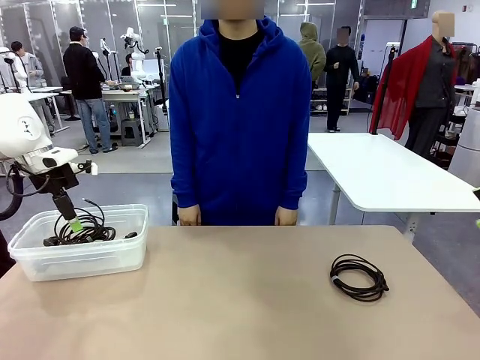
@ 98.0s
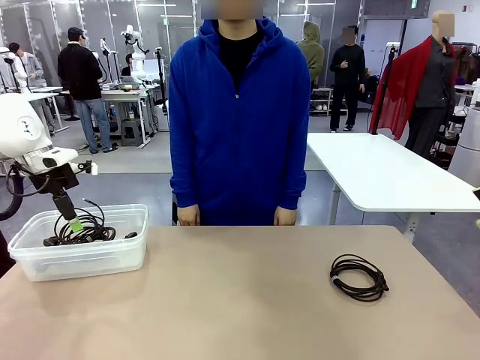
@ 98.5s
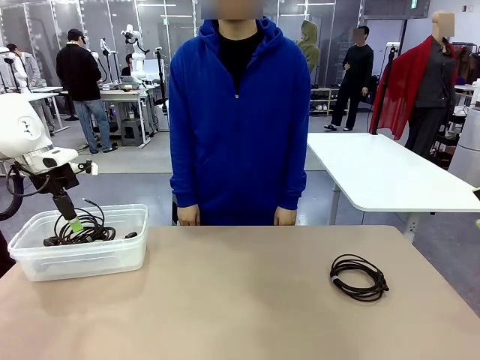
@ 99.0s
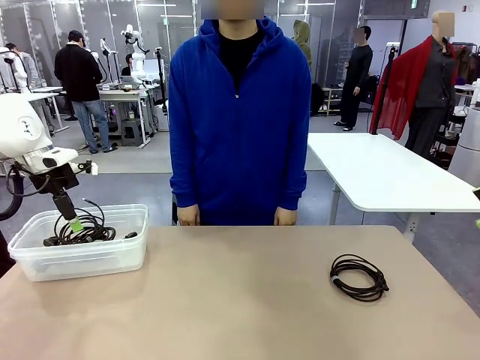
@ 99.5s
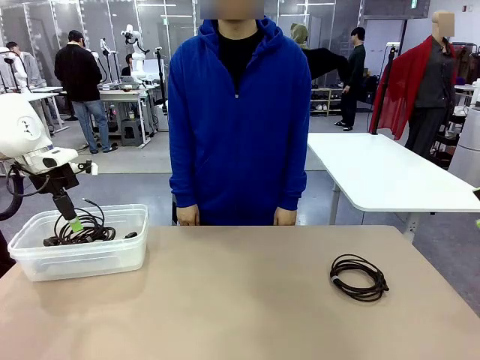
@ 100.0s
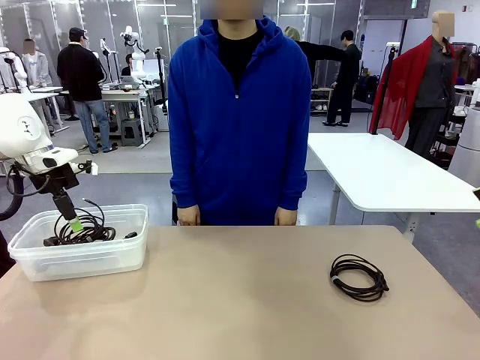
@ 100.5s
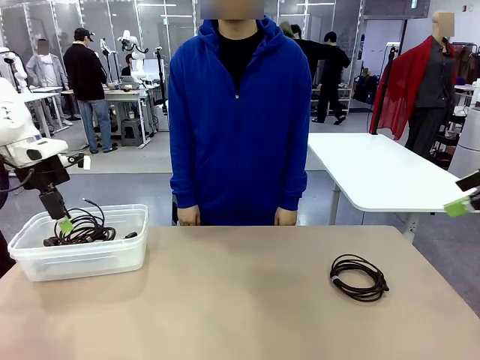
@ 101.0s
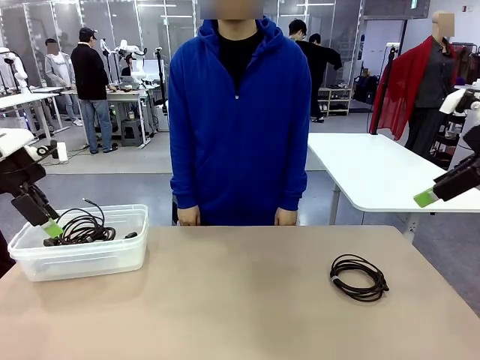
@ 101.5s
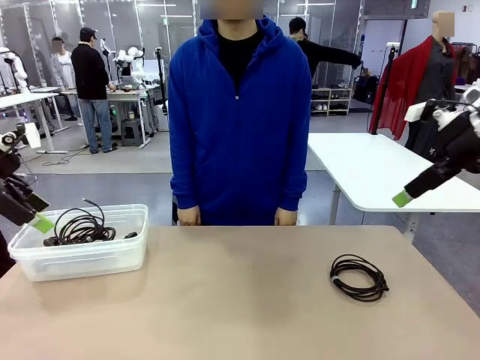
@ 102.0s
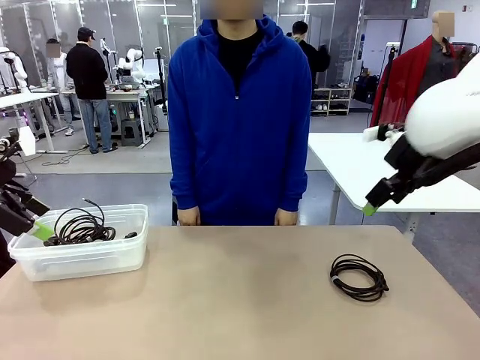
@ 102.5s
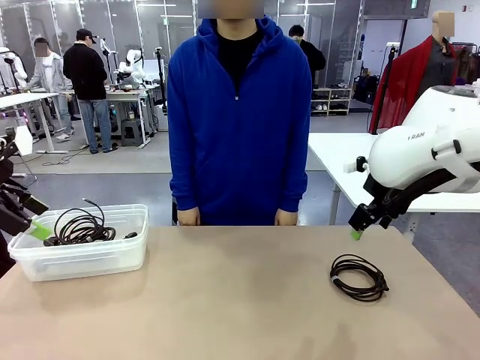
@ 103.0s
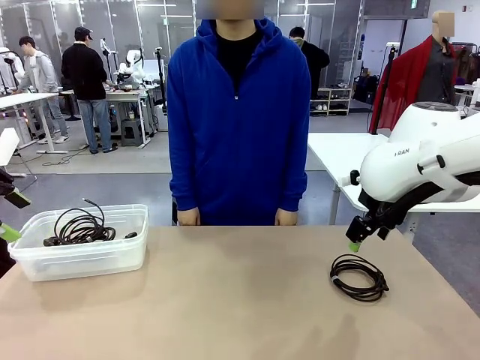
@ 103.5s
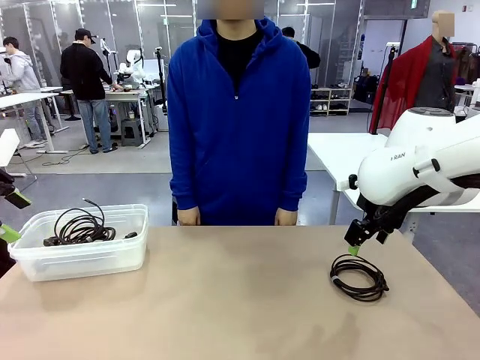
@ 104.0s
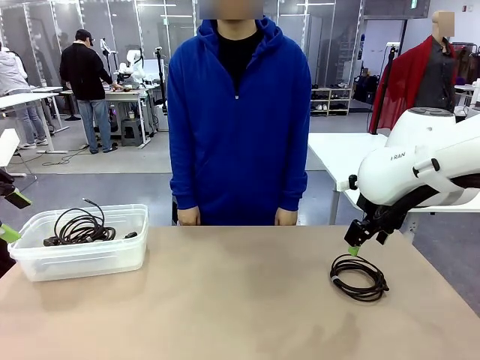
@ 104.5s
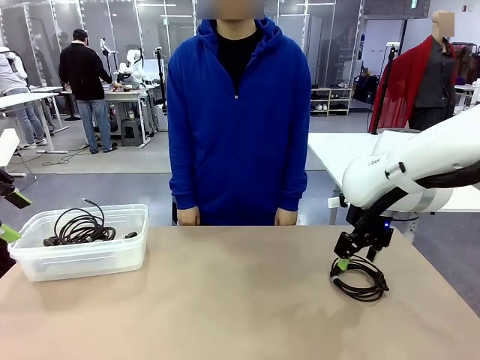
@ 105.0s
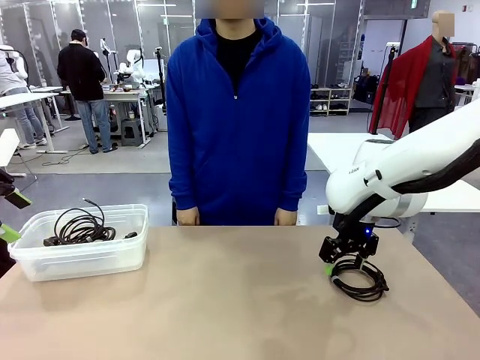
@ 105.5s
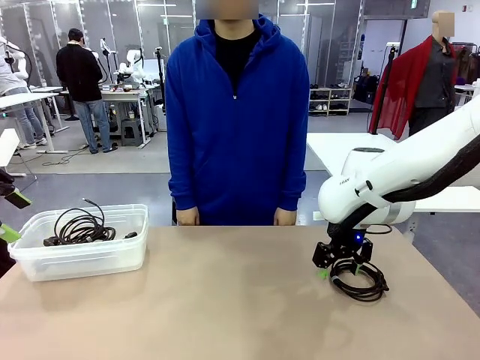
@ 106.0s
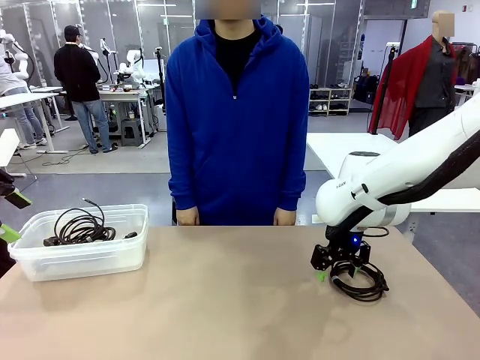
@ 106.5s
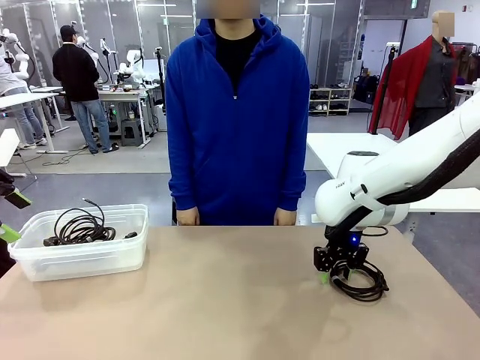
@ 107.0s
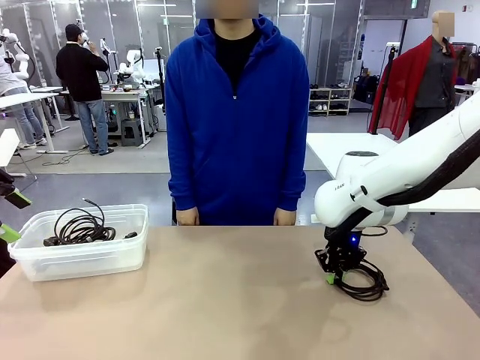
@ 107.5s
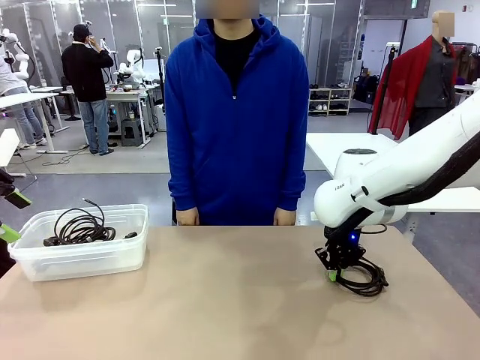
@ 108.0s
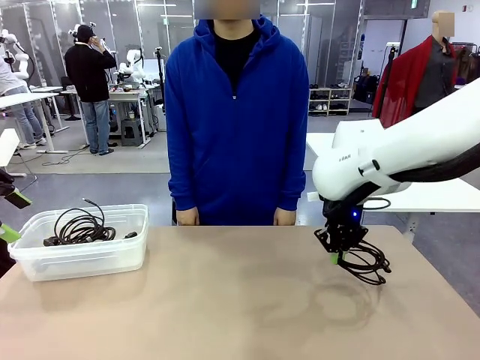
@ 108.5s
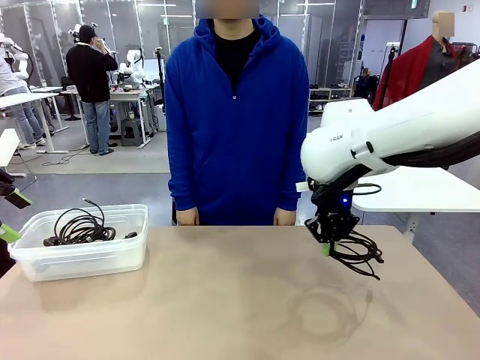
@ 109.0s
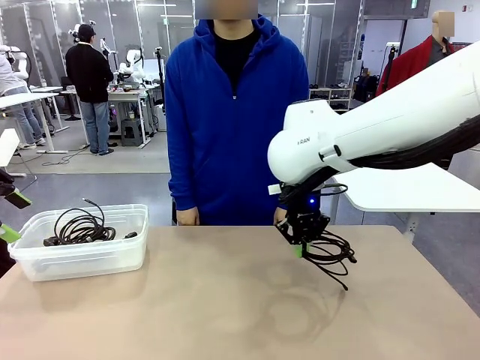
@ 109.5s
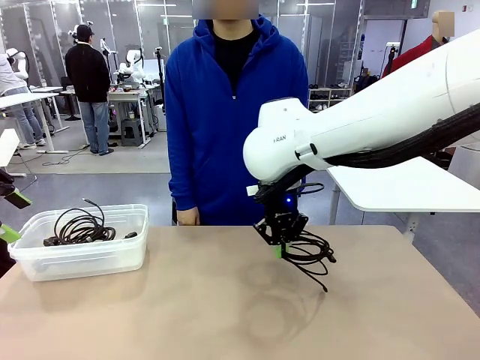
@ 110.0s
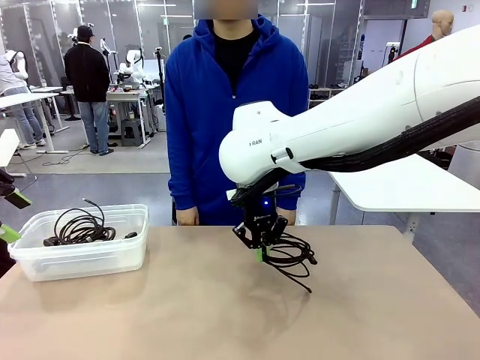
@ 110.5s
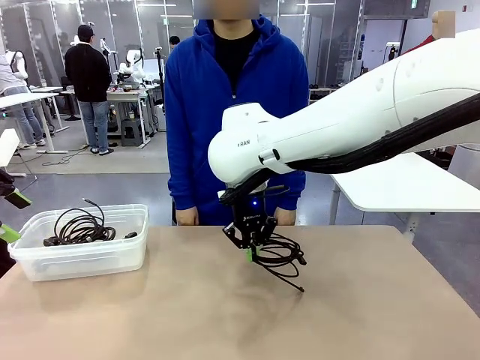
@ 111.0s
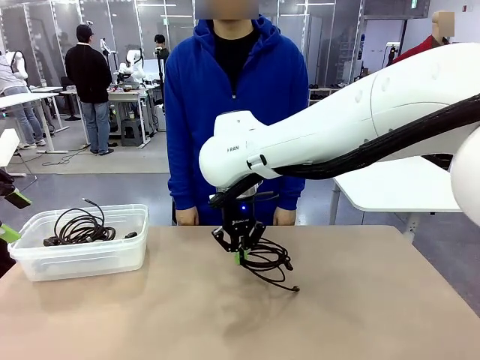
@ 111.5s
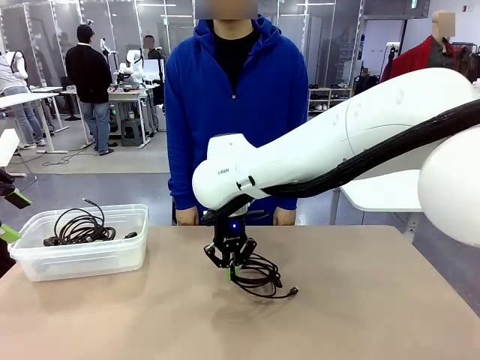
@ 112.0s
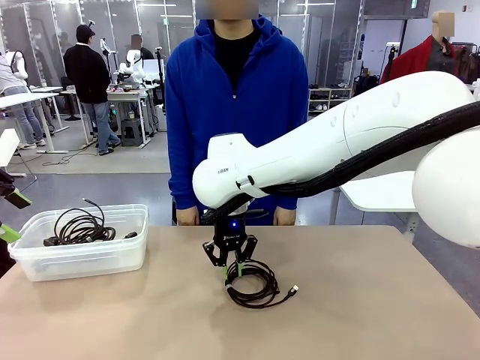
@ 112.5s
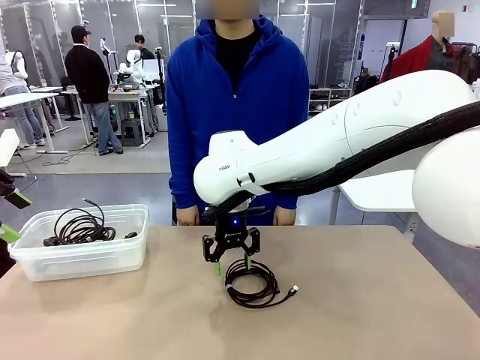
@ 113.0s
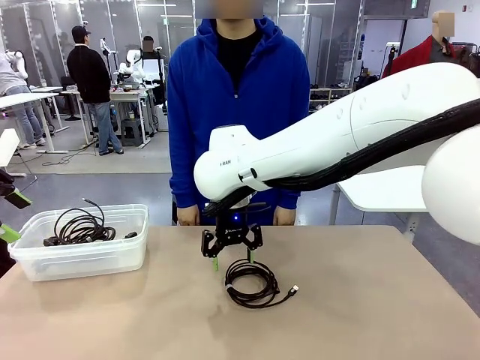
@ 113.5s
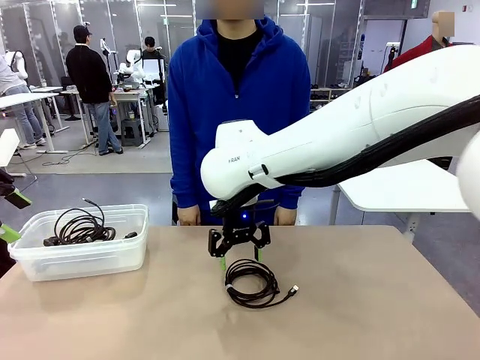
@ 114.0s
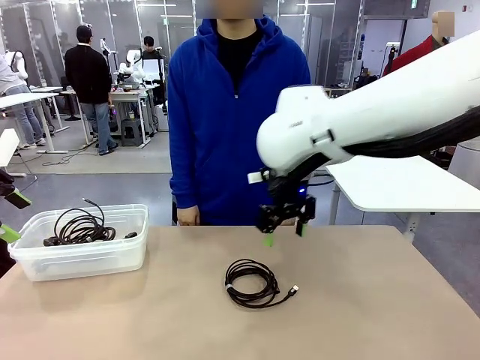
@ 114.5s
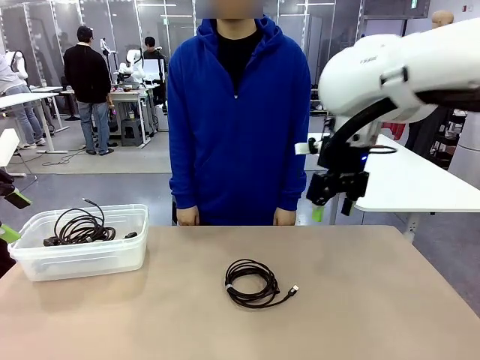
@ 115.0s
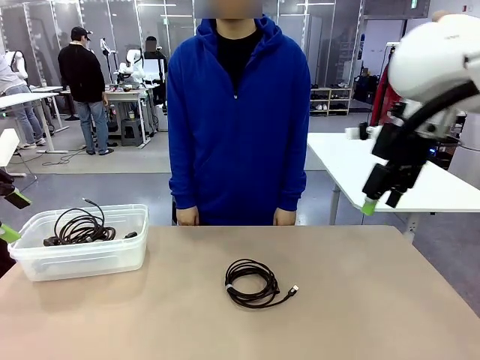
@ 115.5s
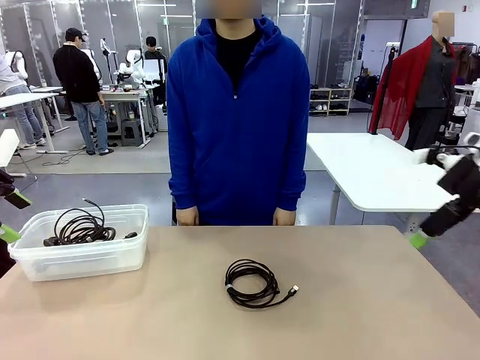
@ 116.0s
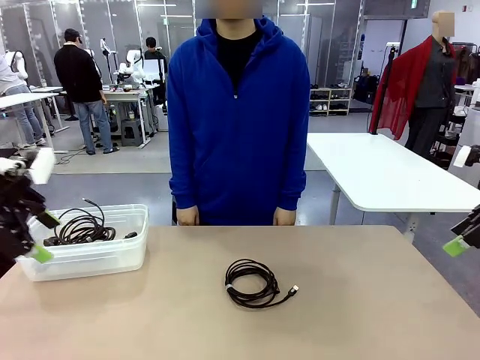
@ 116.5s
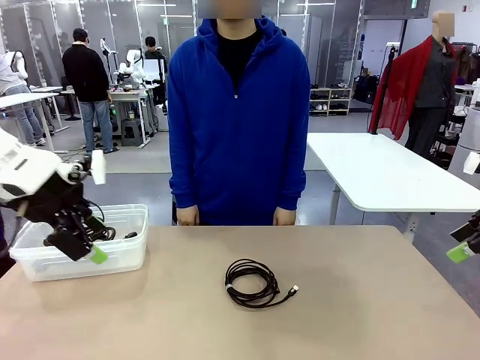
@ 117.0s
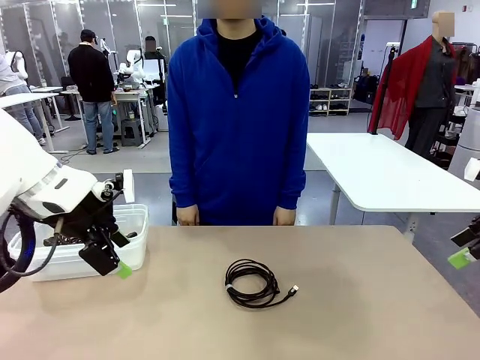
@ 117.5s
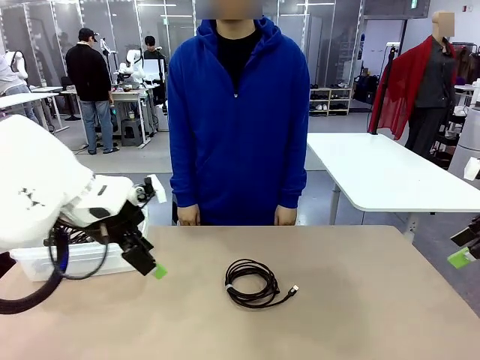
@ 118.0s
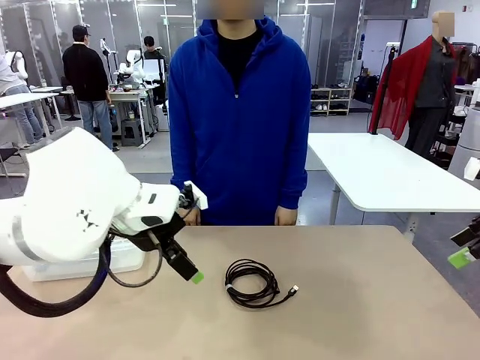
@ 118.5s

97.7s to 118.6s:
Task: Organize and store the cables.
Robot: Place the USB Extension Cable into the Organizing box.
